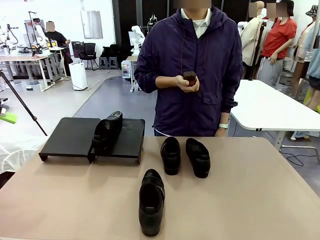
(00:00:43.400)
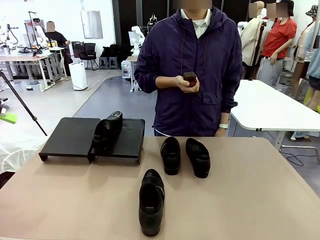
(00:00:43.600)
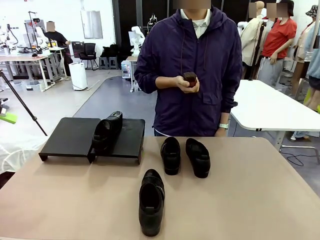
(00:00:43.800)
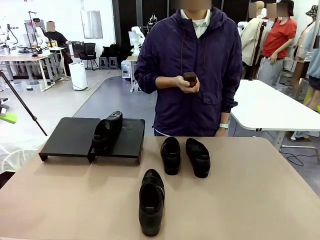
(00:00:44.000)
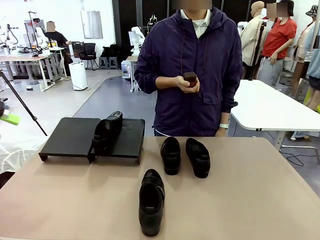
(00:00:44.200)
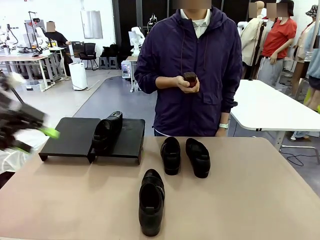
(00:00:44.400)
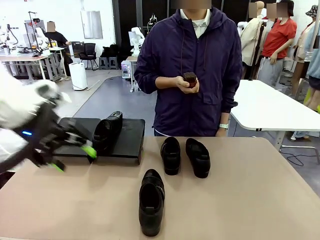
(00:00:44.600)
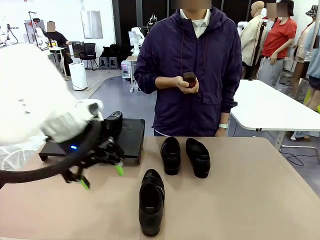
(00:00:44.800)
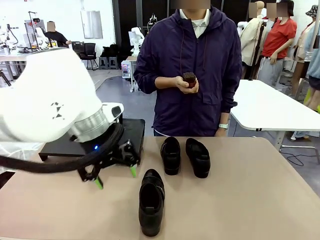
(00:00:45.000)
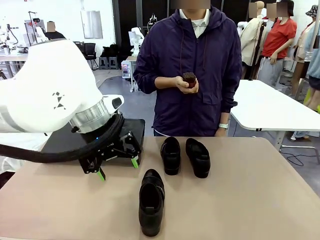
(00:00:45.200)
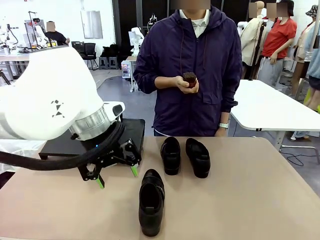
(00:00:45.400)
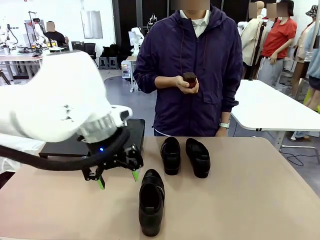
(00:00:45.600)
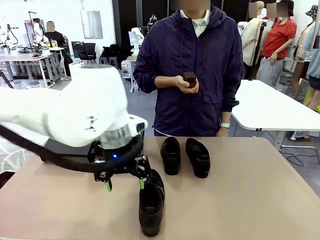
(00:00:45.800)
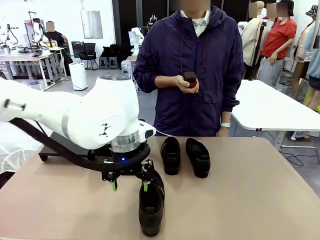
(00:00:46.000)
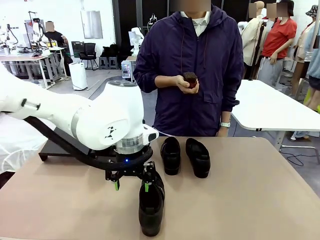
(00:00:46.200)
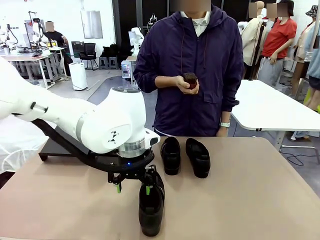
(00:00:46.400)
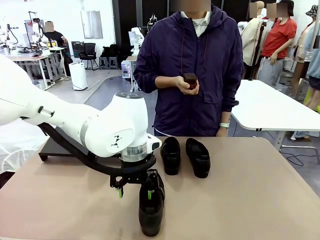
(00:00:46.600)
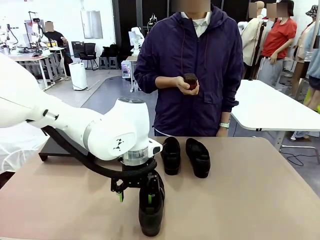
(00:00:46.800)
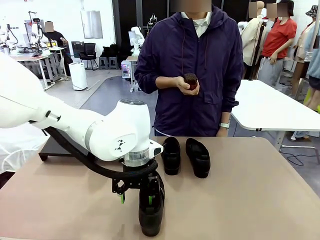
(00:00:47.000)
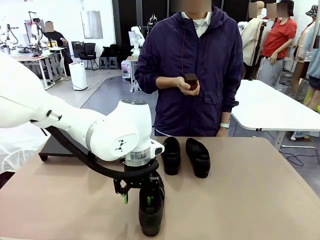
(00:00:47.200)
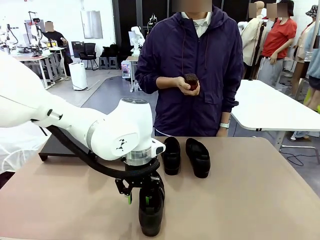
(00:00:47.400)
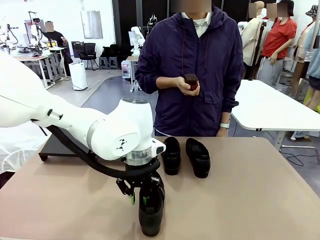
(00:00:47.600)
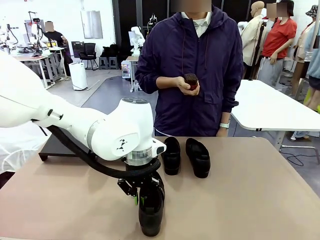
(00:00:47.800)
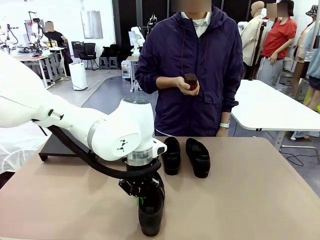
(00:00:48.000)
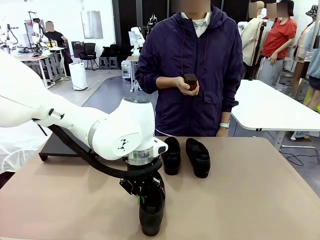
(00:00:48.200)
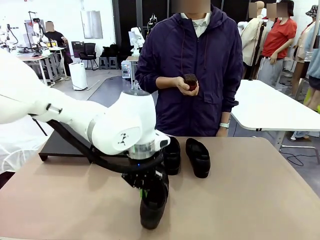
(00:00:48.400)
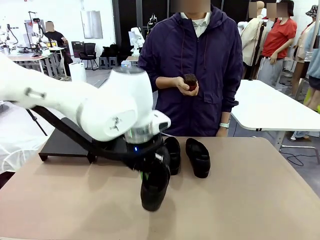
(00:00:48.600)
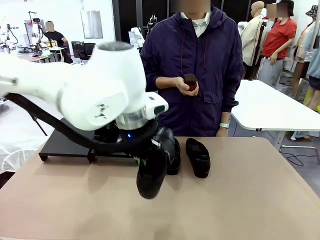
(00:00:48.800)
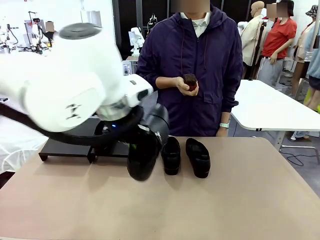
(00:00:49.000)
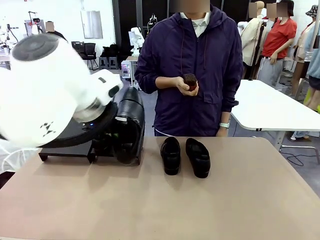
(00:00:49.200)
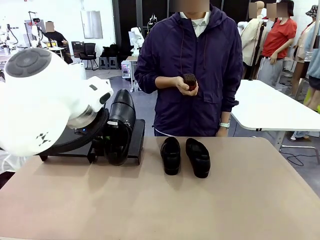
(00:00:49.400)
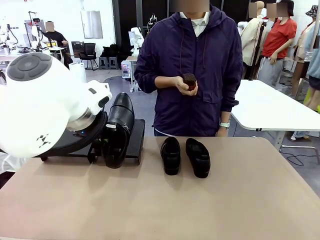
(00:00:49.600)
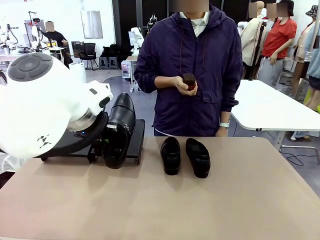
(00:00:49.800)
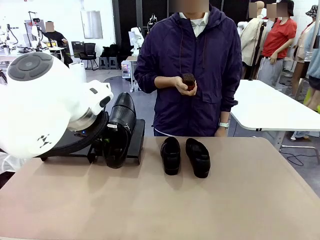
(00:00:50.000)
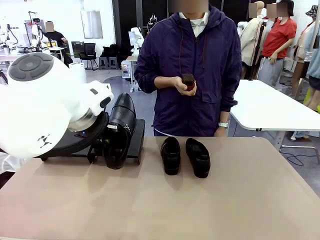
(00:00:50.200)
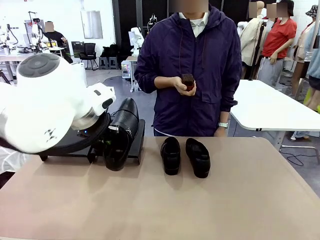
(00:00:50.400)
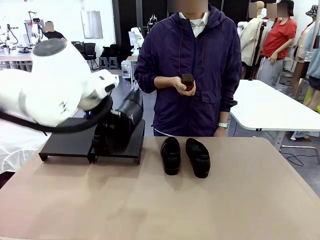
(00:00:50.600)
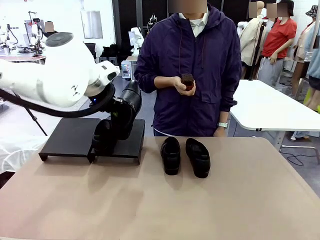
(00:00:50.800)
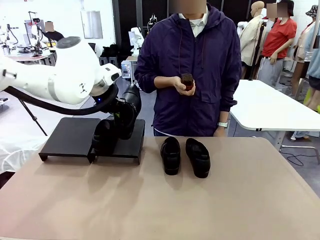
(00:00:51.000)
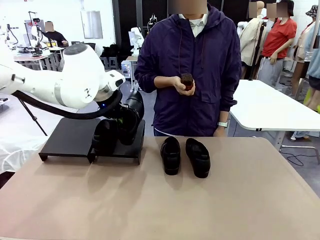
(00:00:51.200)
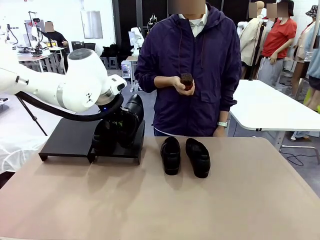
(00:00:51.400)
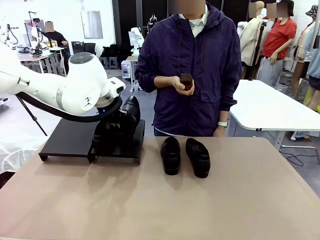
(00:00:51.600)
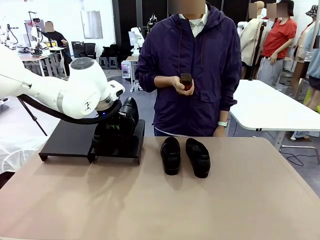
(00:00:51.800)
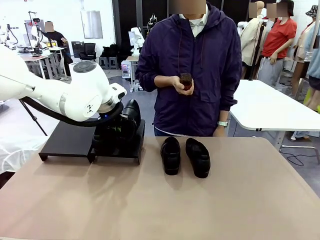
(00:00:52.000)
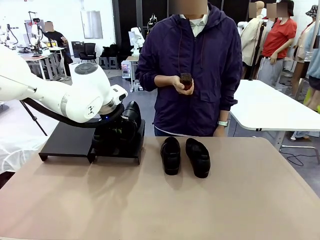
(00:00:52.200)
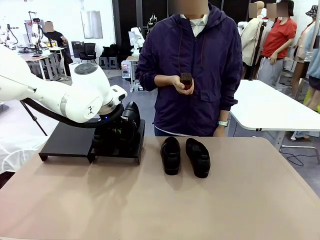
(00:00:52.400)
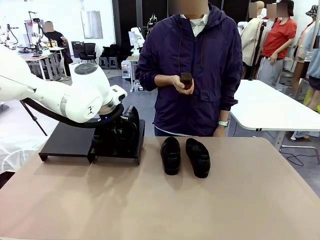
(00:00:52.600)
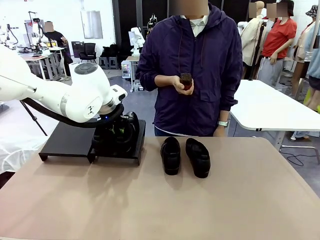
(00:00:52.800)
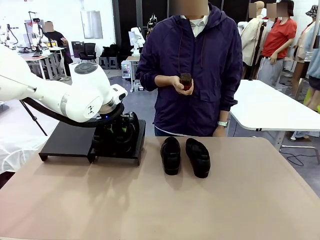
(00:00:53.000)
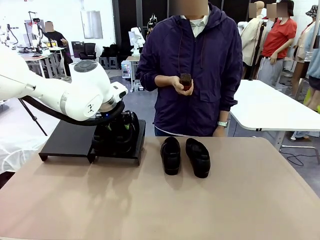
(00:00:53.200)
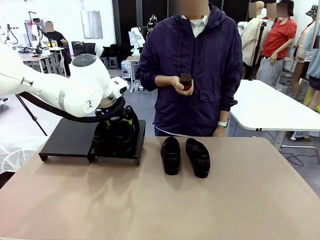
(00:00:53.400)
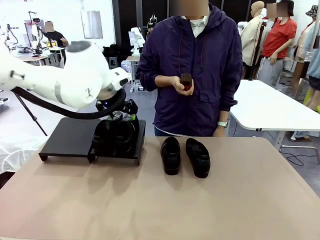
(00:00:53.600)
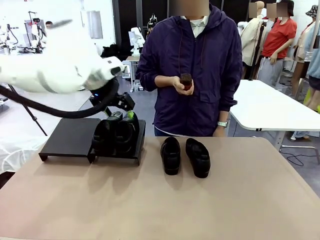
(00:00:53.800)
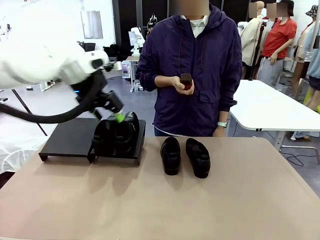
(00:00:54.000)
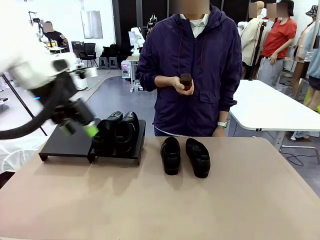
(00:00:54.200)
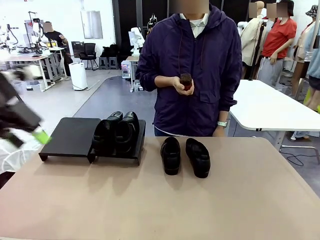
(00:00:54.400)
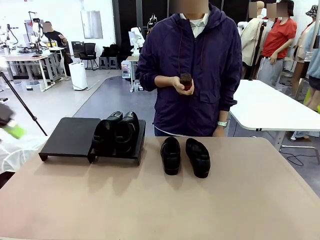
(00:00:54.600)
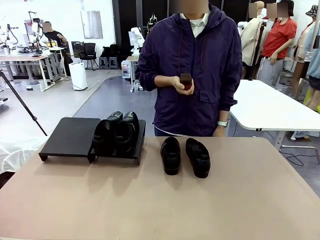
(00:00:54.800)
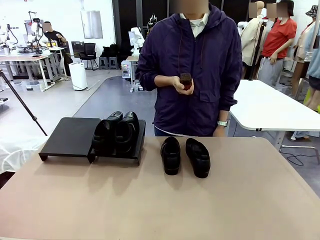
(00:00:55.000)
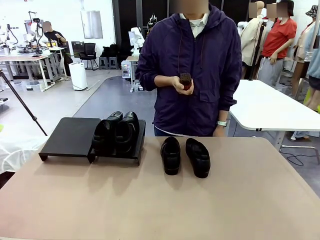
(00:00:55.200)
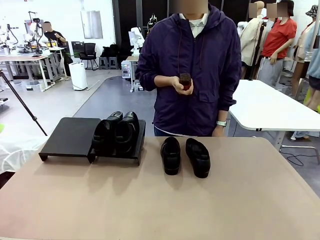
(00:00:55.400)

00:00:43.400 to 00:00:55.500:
Task: Organize the shoes by placing them on the stand.
Robot: Place the Shoe from the middle of the table onto the Shoes Stand.

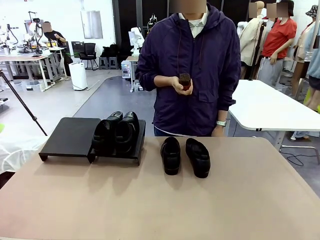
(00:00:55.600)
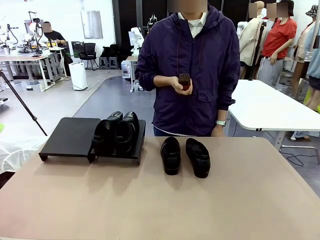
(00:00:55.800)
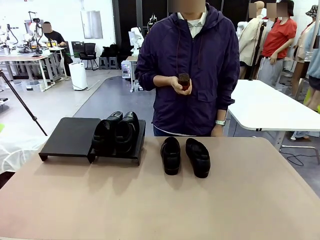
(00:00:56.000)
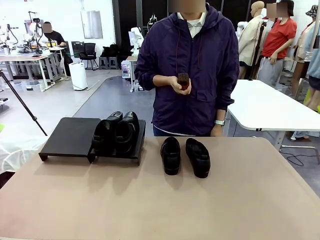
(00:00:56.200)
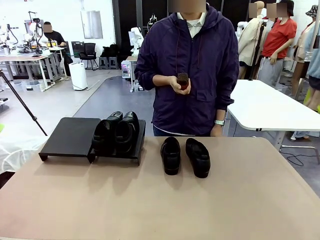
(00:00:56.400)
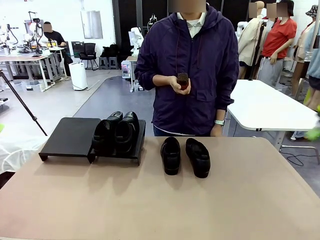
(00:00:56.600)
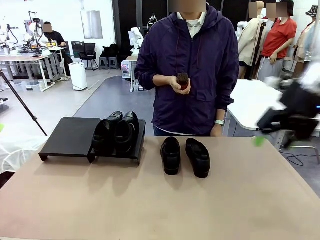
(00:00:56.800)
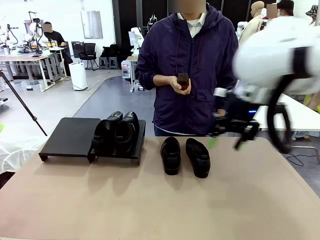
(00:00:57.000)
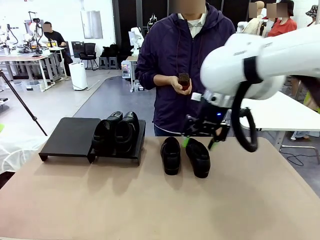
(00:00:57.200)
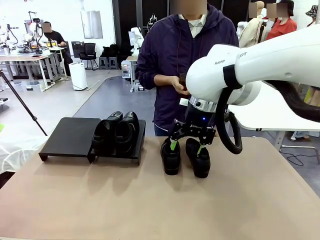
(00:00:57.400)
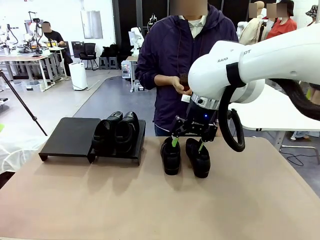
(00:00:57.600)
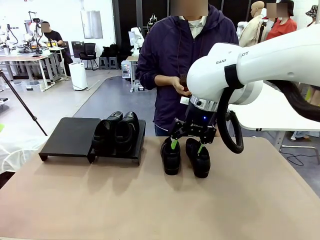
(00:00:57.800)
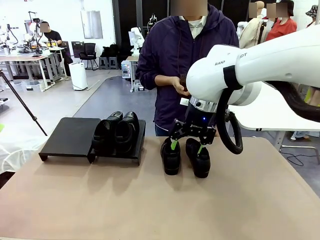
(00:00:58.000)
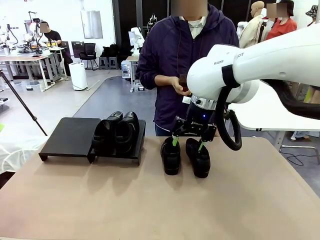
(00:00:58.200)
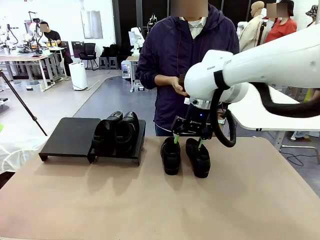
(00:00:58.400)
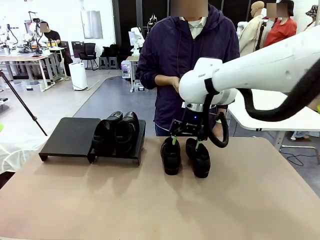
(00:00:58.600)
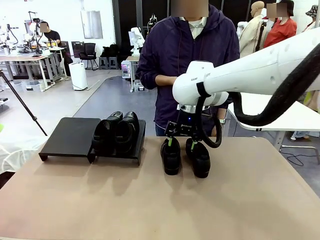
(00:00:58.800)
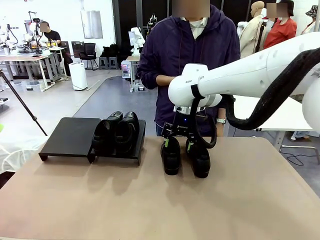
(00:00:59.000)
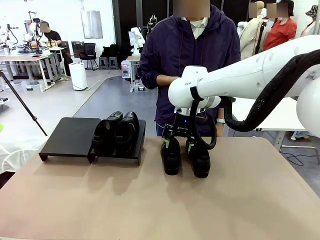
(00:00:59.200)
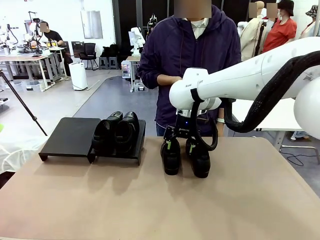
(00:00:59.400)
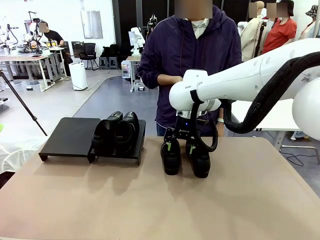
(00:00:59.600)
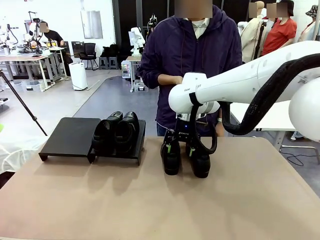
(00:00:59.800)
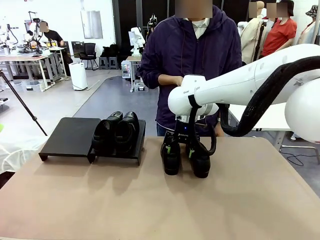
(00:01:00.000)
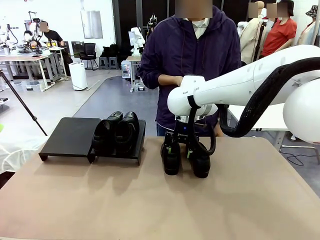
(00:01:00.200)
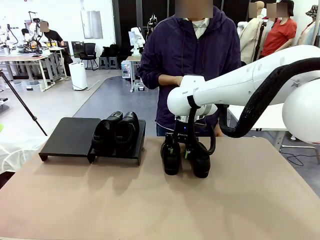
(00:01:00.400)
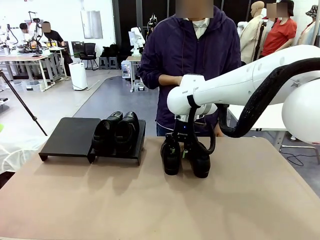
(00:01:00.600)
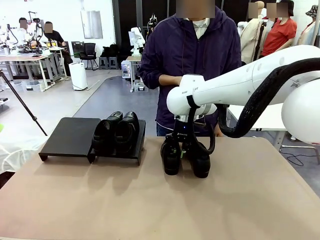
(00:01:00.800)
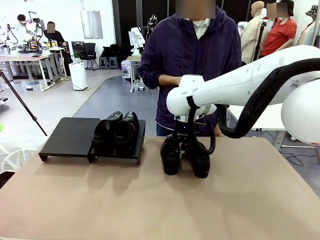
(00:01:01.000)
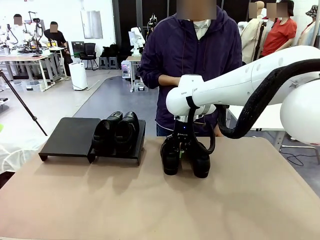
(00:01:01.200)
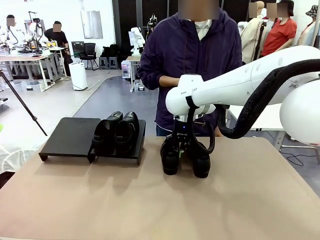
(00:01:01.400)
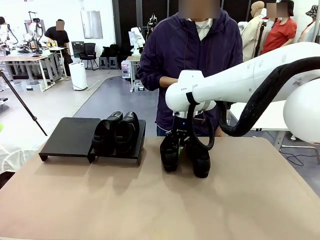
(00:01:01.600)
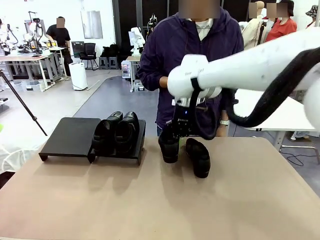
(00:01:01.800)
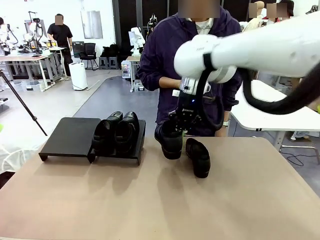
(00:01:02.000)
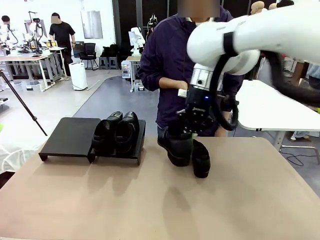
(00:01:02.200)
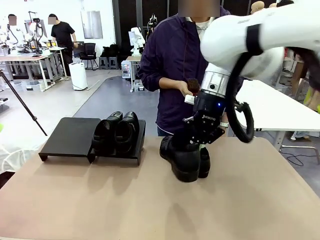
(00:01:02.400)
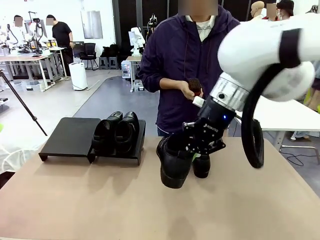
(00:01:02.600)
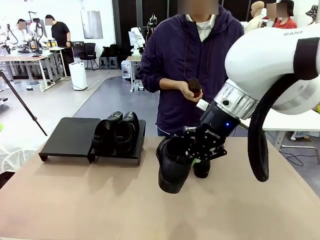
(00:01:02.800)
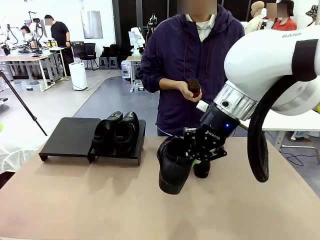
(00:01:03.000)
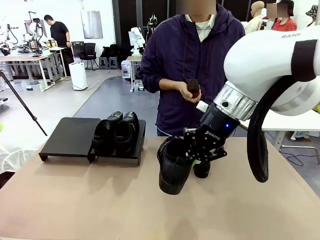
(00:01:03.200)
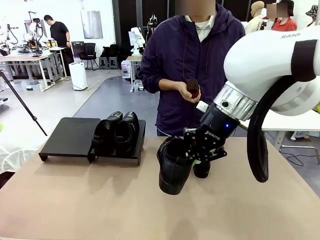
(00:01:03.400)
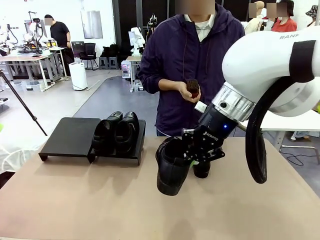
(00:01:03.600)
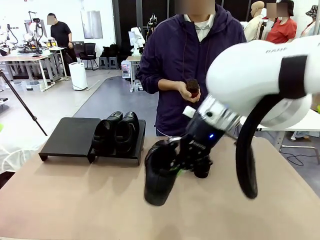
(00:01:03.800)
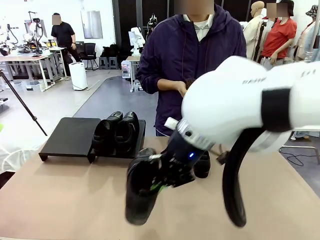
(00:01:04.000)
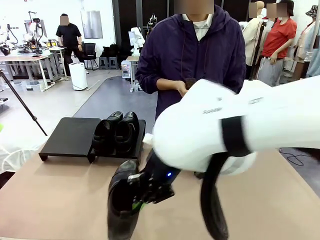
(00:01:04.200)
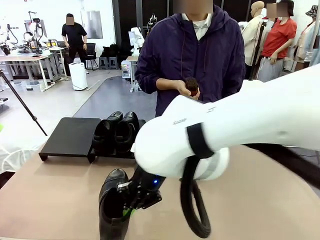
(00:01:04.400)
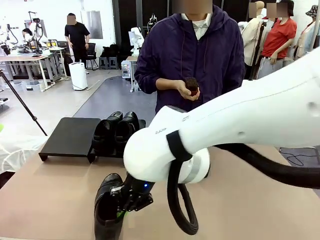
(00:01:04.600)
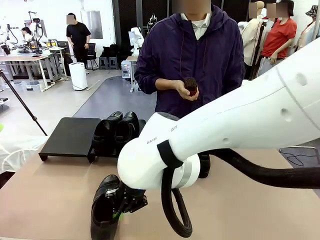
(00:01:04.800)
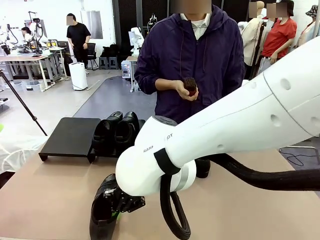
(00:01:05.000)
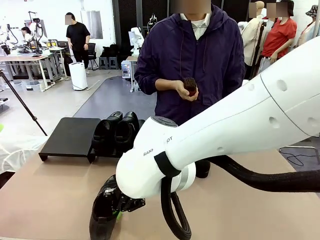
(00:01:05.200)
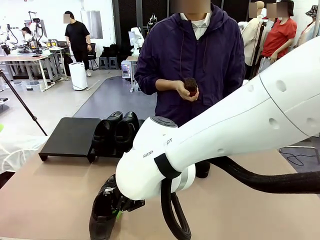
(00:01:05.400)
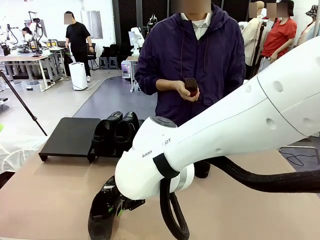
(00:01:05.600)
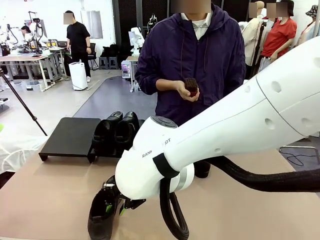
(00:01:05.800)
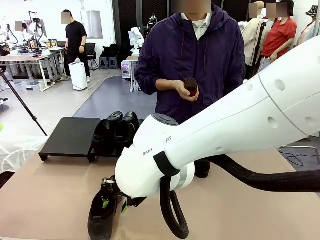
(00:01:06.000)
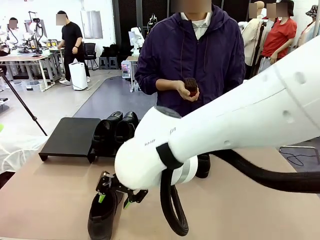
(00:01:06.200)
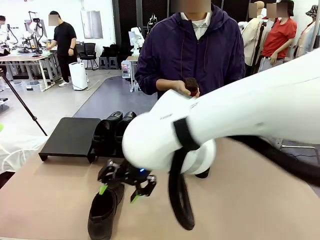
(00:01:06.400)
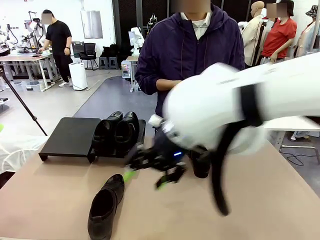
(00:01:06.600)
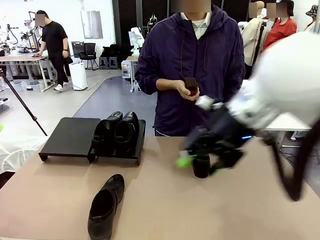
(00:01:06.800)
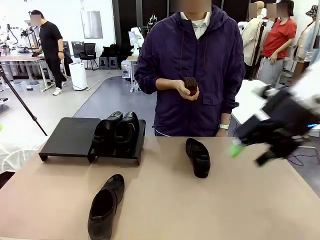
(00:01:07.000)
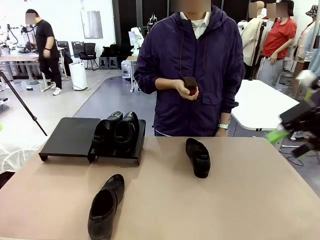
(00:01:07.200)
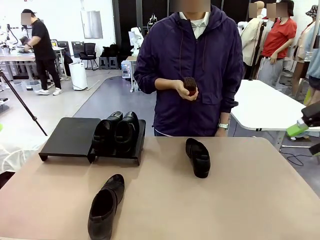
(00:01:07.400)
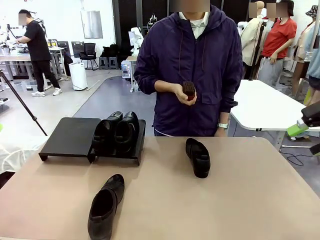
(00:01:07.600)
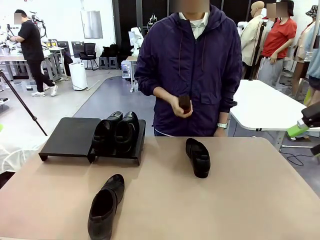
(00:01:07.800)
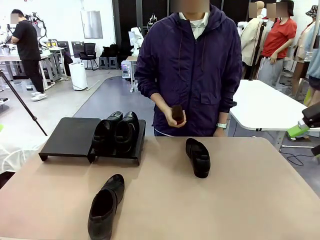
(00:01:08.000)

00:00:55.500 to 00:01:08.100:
Robot: Pick up one Shoe and place it in the middle of the table.
